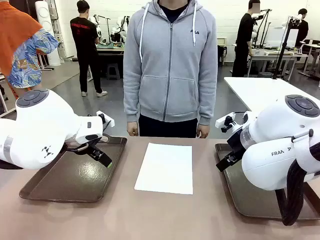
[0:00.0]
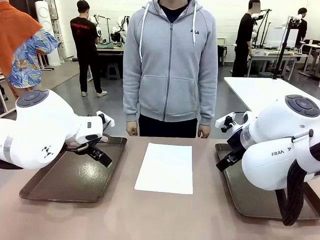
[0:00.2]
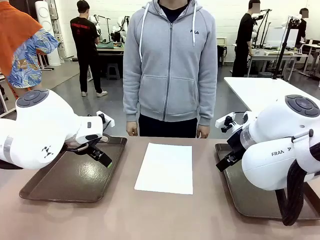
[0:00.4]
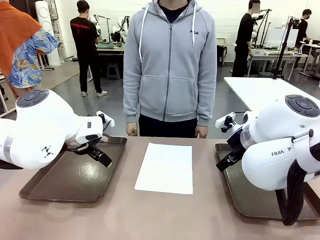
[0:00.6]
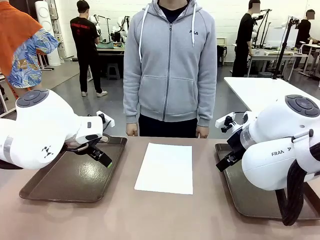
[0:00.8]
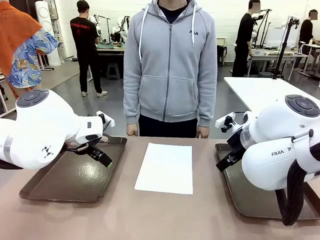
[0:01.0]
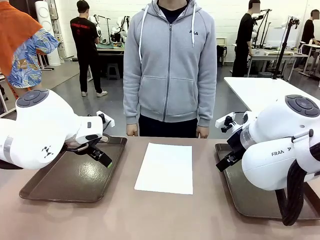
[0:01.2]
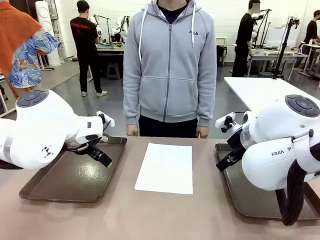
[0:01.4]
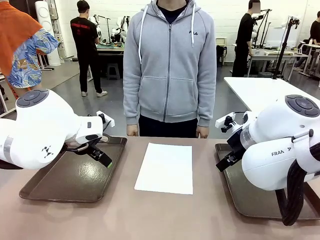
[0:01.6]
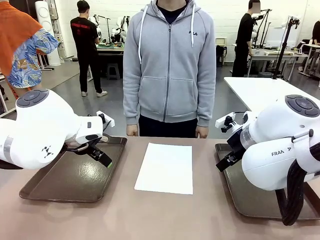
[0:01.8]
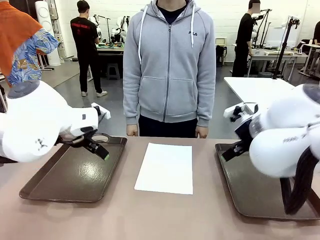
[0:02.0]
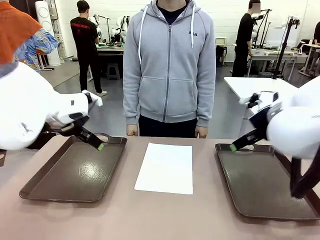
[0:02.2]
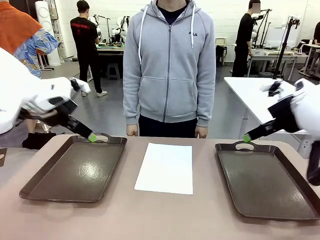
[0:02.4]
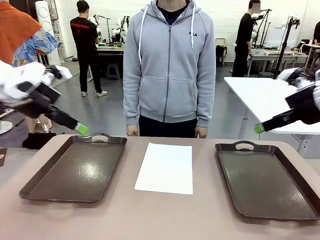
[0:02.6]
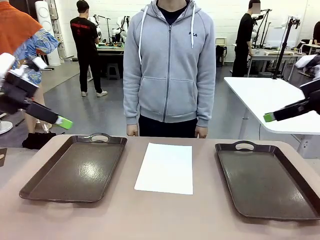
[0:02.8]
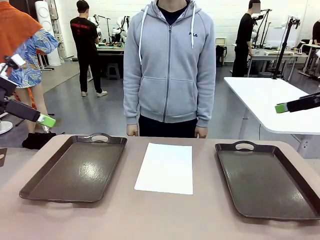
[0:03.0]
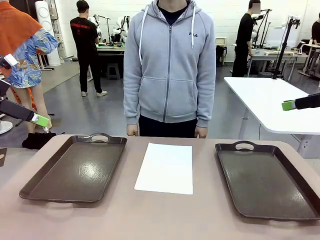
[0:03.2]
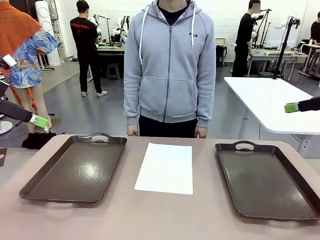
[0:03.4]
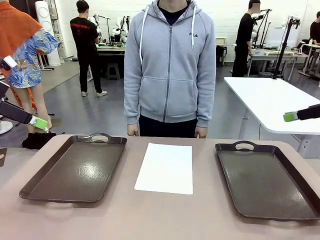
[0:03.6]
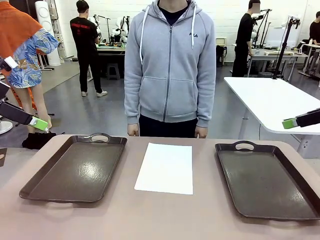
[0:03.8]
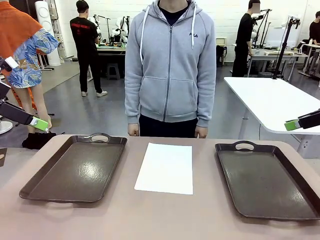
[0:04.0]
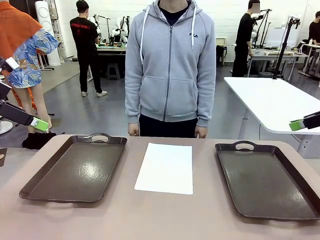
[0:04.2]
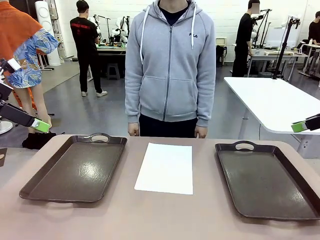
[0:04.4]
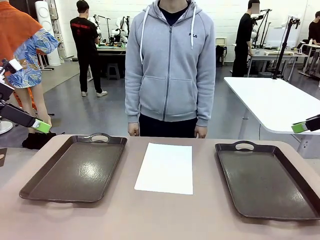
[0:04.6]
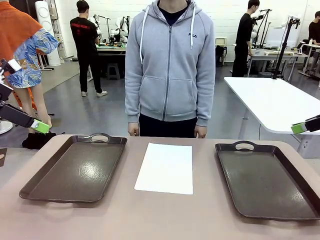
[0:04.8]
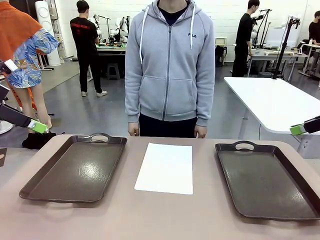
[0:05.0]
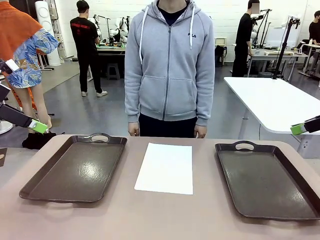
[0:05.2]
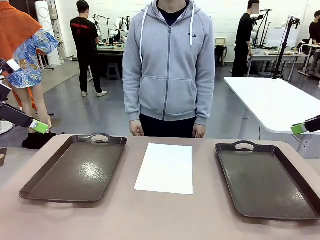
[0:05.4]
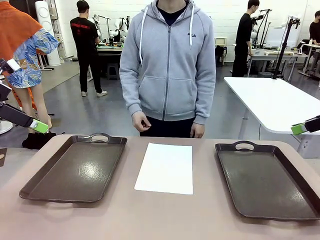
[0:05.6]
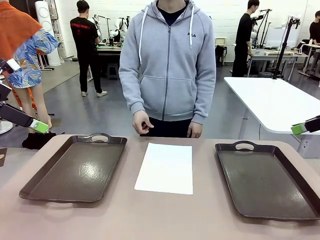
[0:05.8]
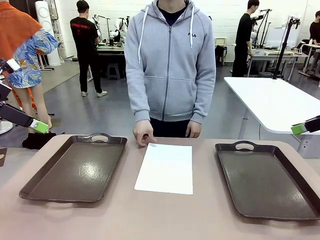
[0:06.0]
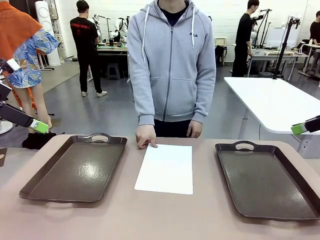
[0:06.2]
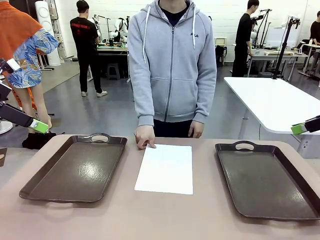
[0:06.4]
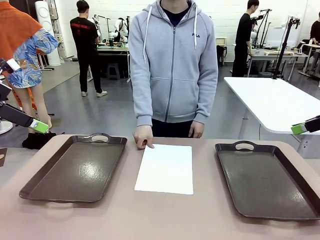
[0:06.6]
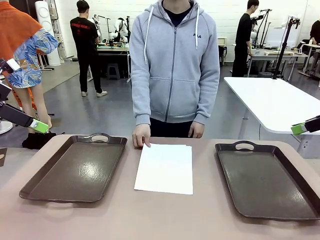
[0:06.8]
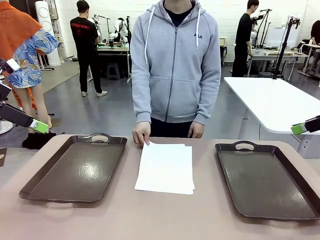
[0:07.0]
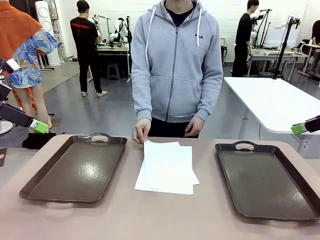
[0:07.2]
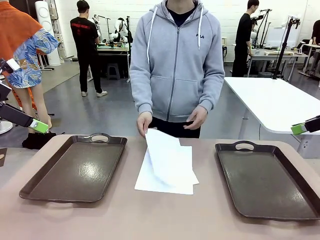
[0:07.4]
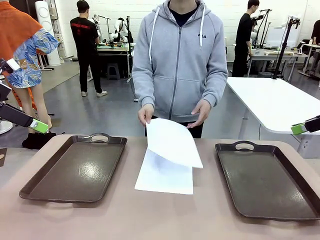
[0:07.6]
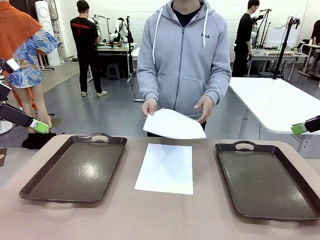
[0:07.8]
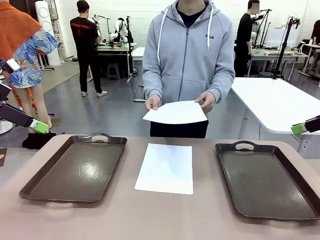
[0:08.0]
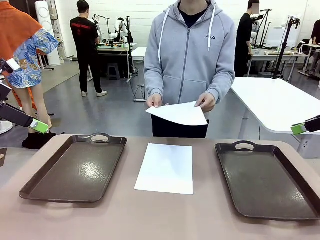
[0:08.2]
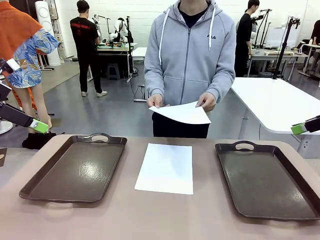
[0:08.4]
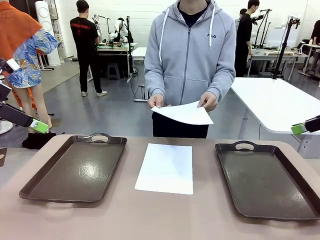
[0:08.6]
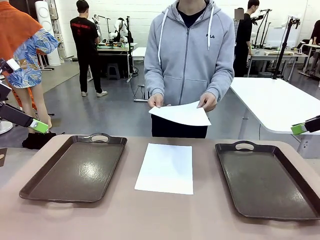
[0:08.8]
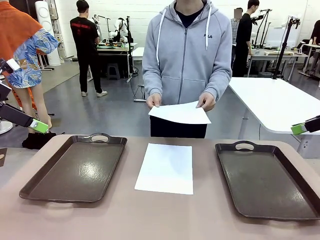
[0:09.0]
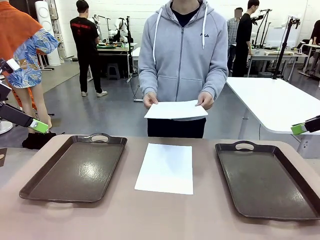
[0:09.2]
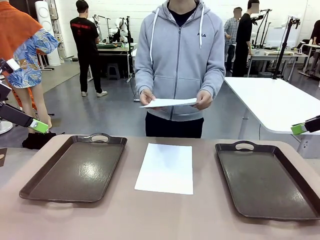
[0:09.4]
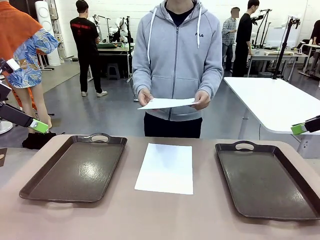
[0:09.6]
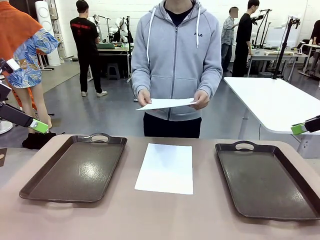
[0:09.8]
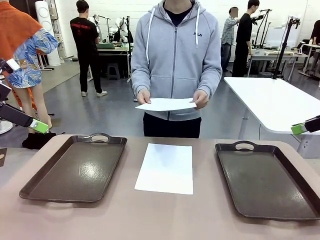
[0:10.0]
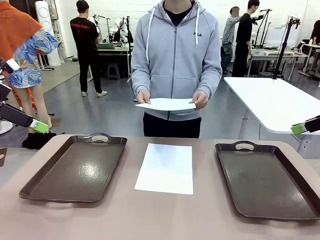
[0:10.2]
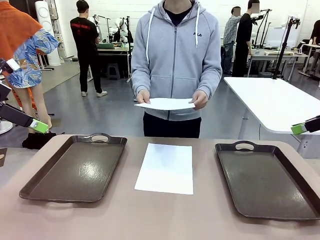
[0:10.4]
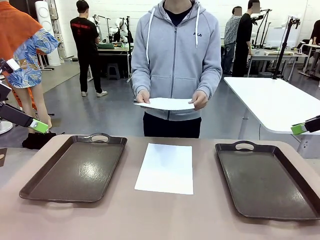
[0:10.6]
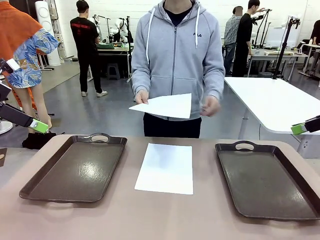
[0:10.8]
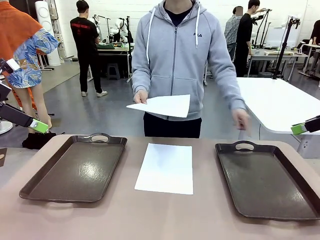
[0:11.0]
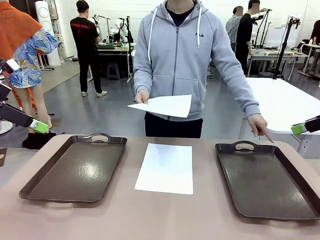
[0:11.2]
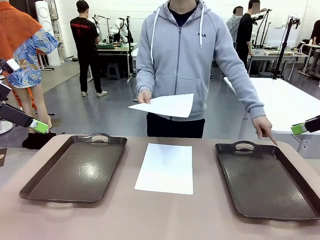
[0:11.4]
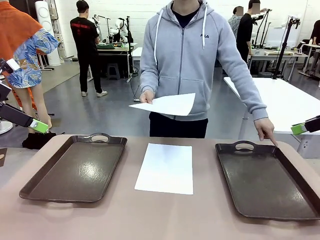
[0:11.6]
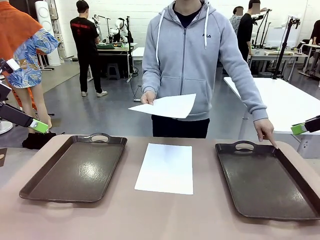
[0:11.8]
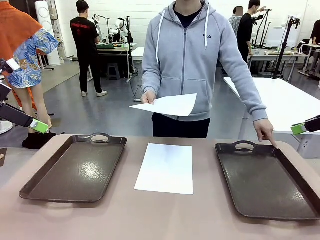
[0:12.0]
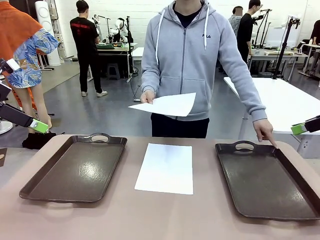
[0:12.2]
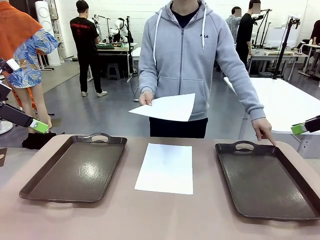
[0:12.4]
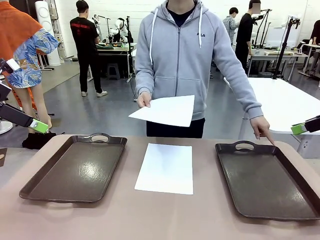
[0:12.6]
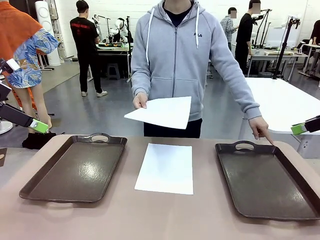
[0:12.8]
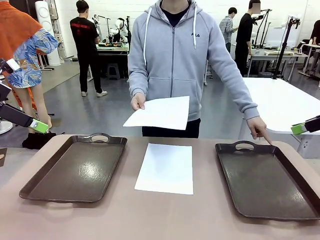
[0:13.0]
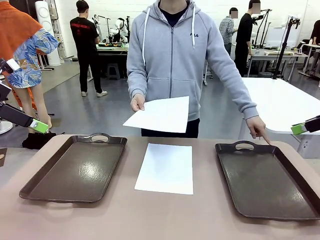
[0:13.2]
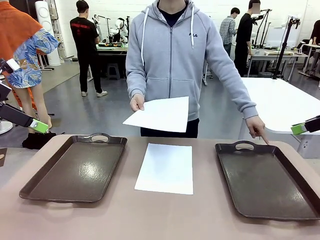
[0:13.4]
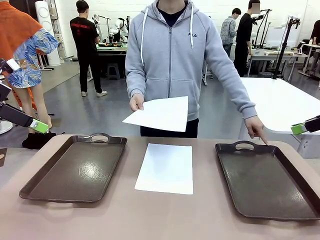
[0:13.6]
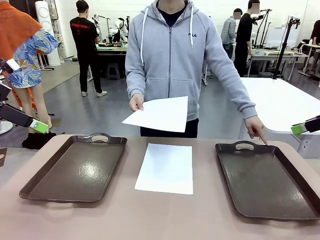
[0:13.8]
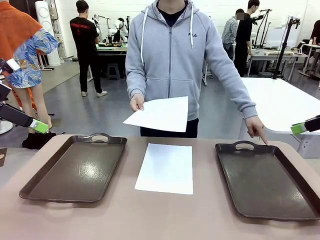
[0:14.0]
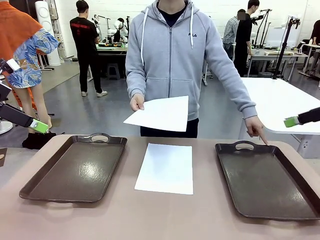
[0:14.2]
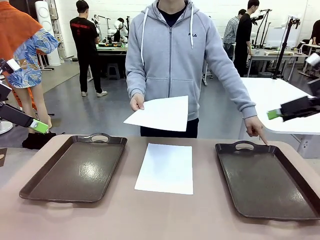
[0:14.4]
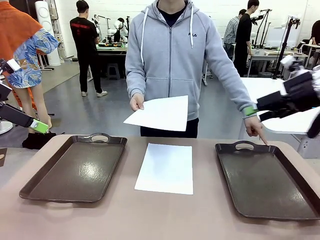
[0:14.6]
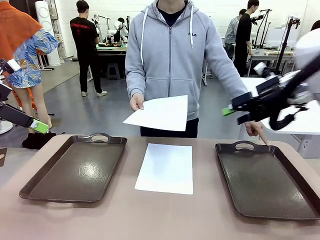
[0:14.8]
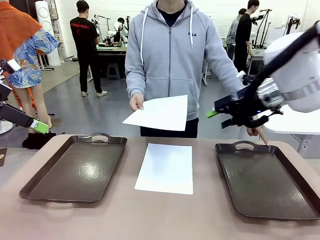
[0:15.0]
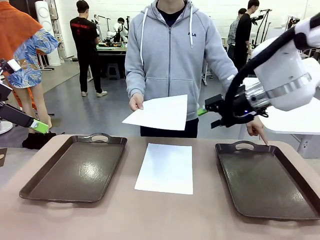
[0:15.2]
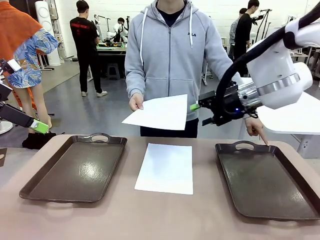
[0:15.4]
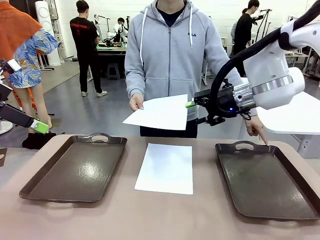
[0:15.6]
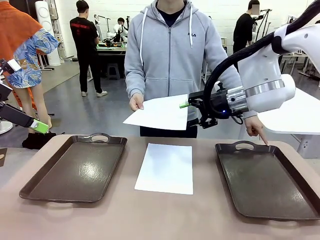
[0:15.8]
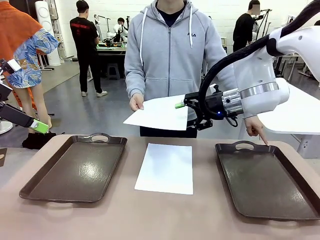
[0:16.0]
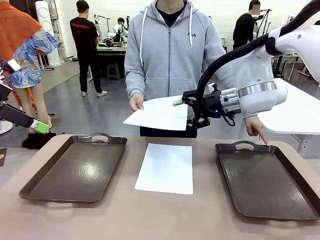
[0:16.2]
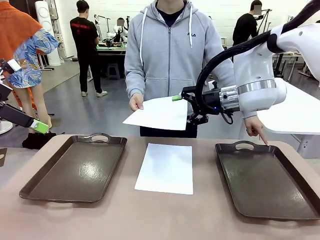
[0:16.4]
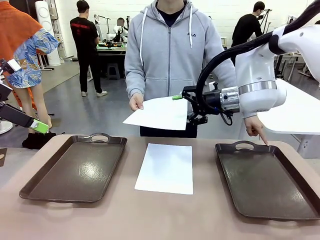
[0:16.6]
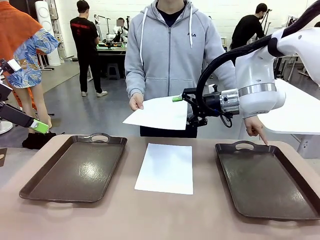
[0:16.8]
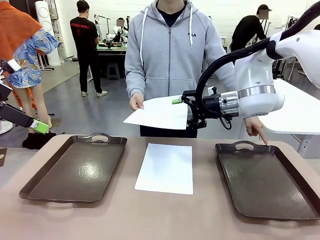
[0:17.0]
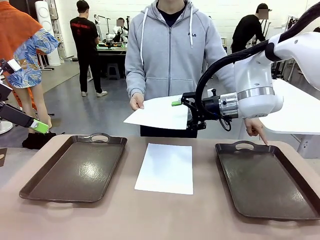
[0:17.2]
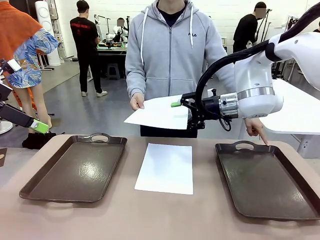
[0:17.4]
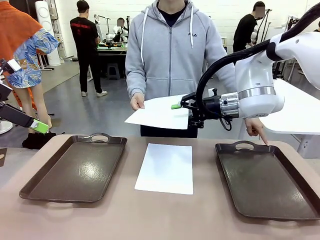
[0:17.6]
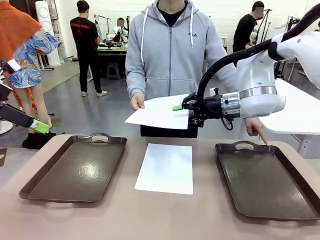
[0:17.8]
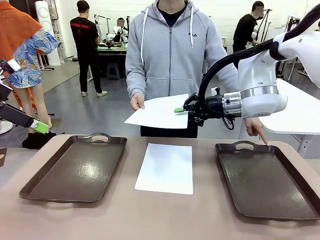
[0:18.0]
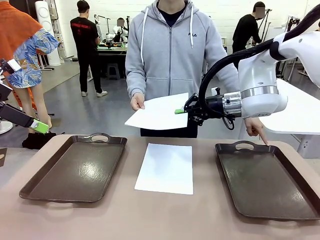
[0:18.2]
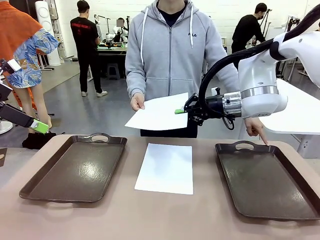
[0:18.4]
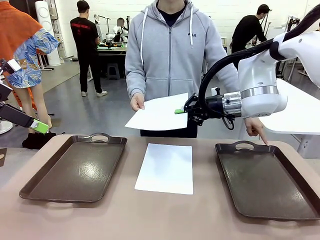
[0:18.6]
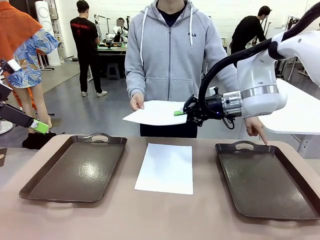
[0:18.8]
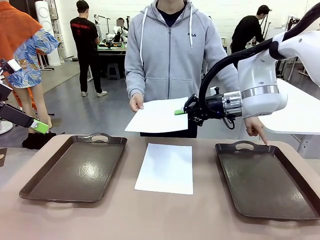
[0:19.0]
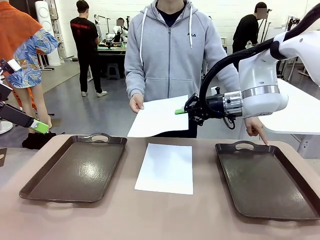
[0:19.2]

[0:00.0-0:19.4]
Task: Sort the A4 documents.
Robot: Receive the A4 Paper.
Person: Pick up a sheet of paper from the center of the table and hand it to the robot. Point the randomly selected tray with the other hand.
